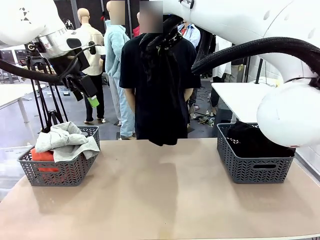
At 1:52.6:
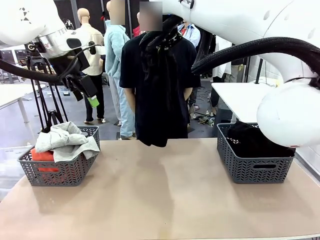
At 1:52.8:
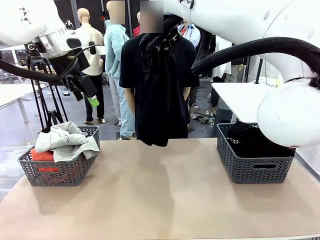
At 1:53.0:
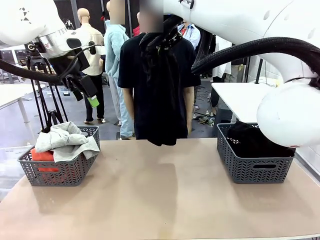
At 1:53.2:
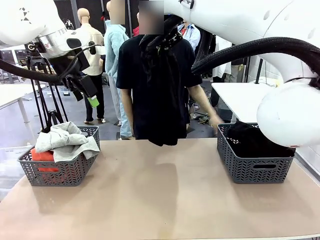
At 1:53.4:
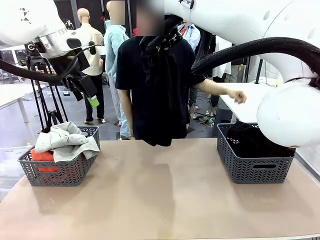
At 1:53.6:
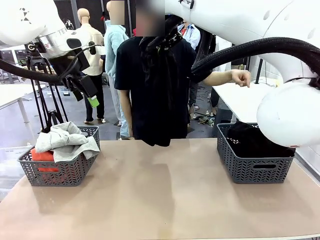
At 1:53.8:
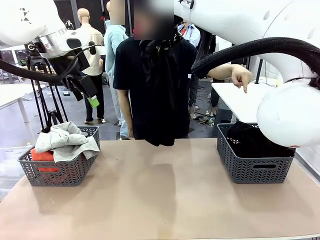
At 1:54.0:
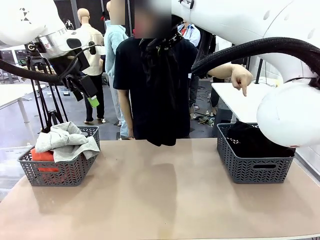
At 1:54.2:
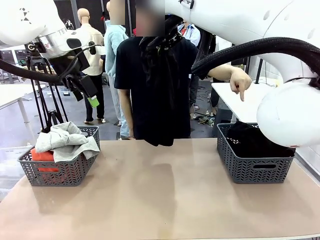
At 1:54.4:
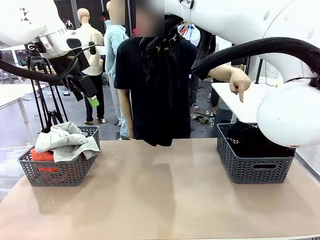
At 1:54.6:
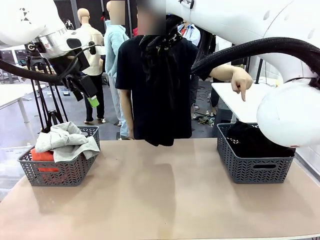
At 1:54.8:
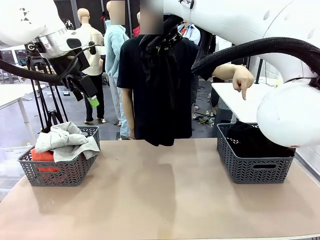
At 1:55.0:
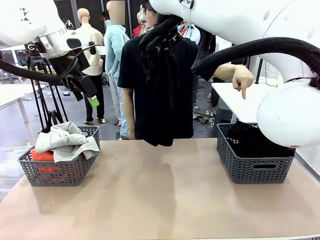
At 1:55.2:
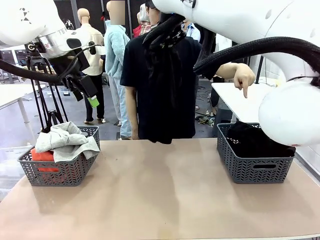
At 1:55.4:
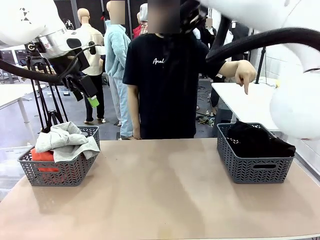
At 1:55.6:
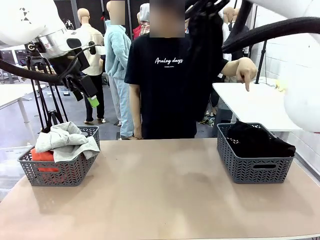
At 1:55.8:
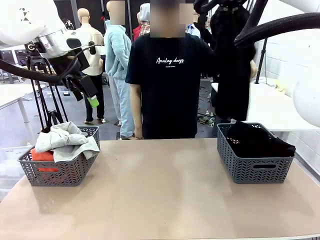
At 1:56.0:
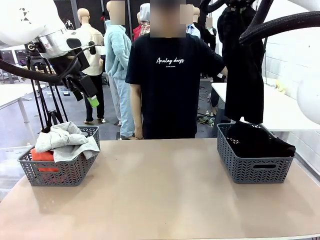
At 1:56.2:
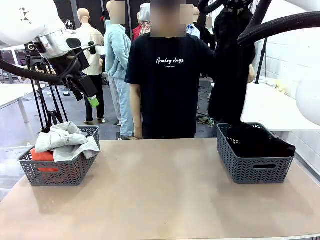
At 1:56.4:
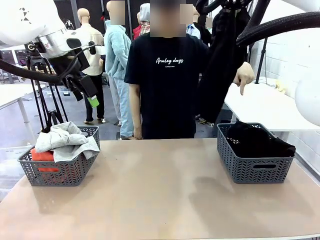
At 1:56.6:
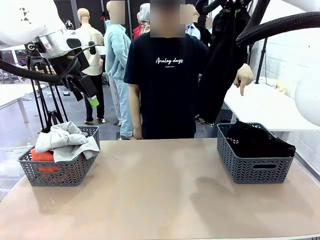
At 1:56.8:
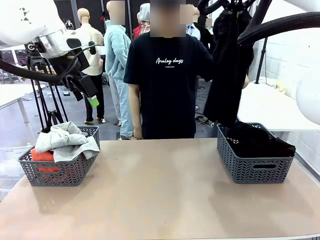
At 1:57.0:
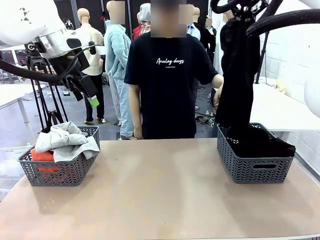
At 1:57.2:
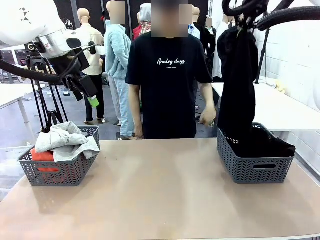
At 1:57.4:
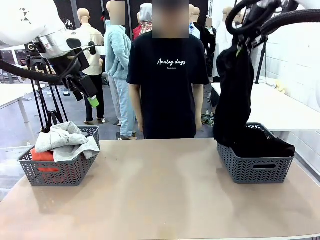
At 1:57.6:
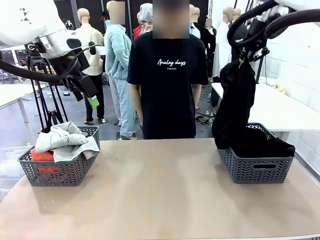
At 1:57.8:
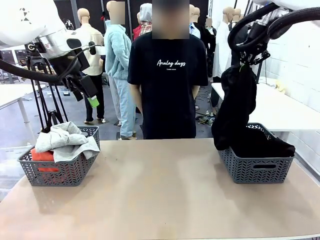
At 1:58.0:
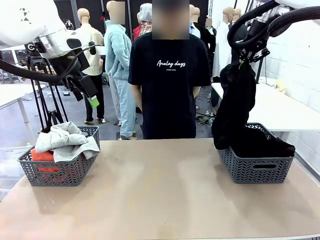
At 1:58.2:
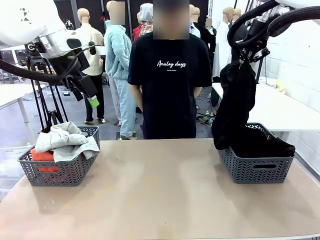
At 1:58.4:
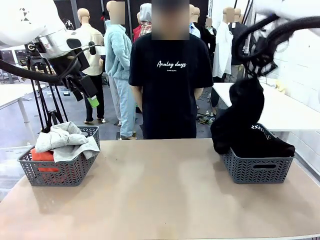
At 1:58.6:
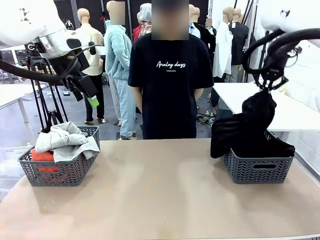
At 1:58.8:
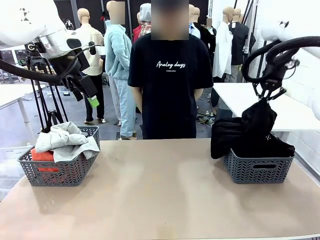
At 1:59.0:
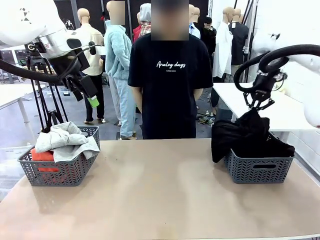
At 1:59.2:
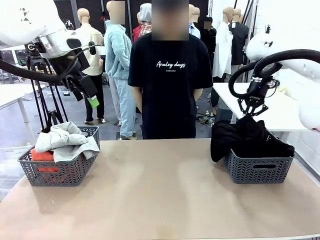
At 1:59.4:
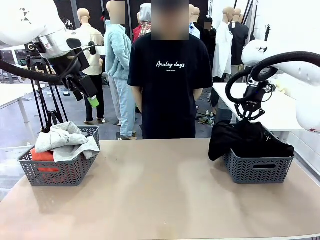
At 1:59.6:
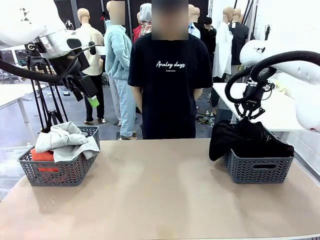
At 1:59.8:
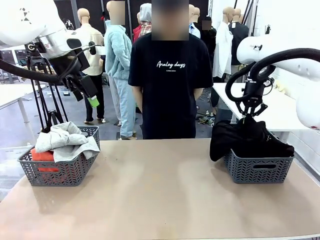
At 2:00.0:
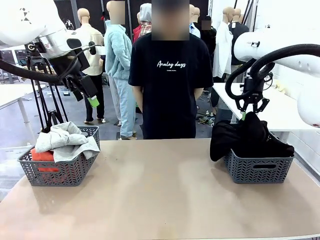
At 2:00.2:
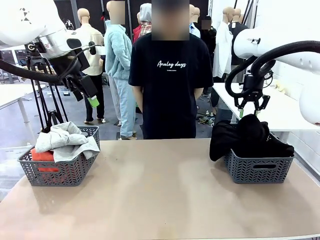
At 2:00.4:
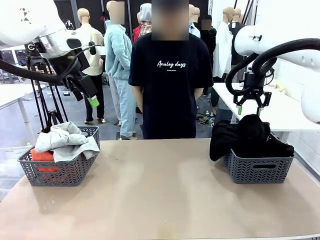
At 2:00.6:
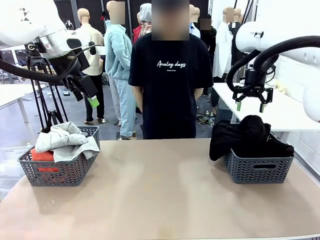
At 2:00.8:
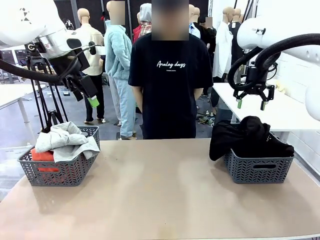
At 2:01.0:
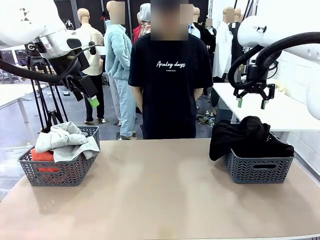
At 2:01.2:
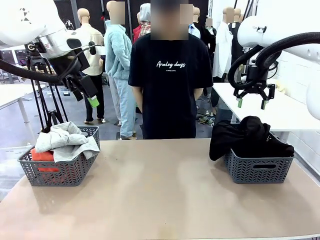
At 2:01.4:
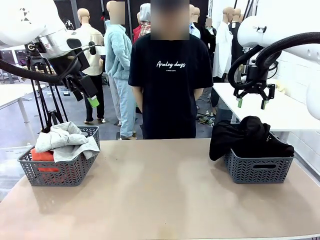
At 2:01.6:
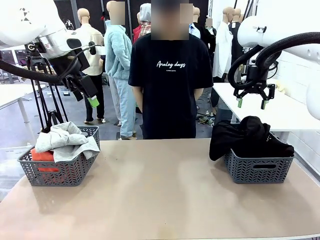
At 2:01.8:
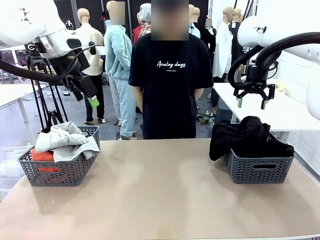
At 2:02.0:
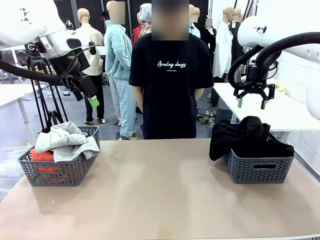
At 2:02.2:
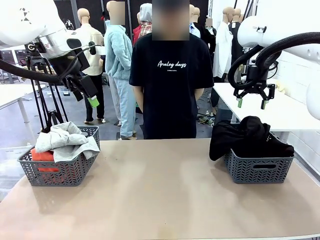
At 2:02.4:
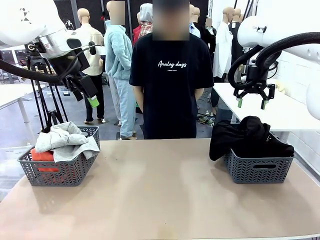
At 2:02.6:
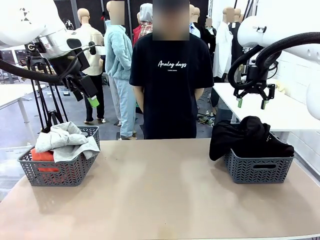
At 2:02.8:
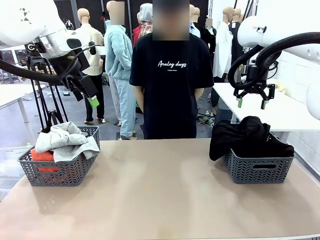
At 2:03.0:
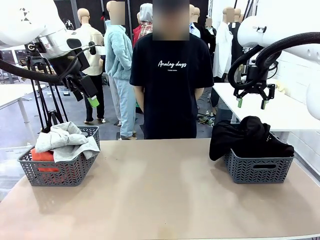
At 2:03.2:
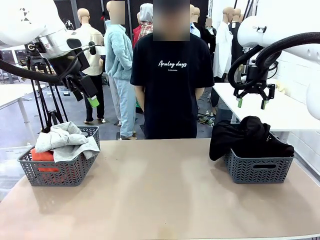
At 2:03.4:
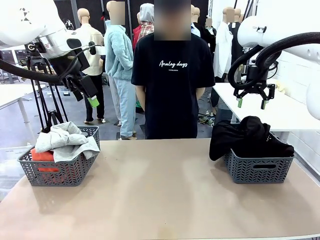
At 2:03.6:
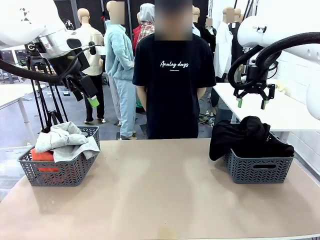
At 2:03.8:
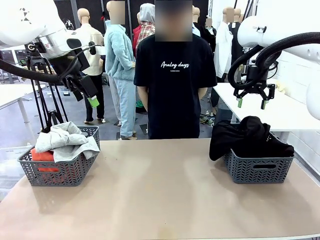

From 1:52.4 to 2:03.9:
Task: Sort the tops and bottoms.
Robot: Sort the clothes according to human instructions.

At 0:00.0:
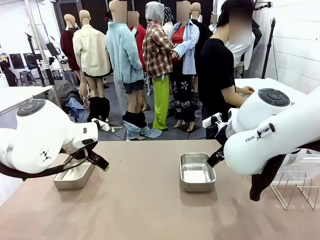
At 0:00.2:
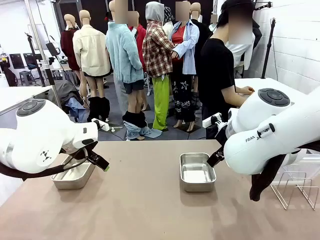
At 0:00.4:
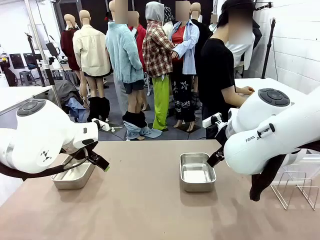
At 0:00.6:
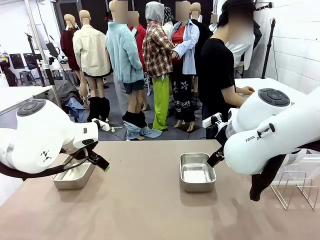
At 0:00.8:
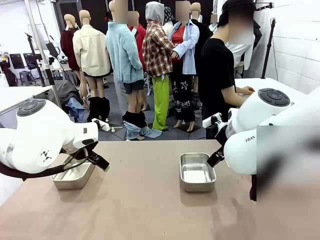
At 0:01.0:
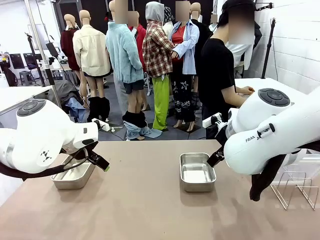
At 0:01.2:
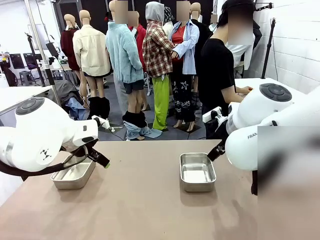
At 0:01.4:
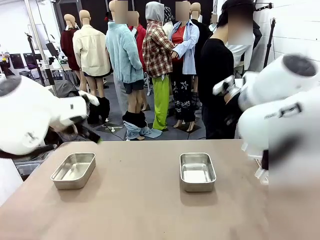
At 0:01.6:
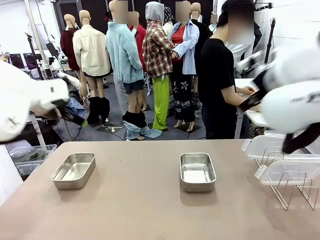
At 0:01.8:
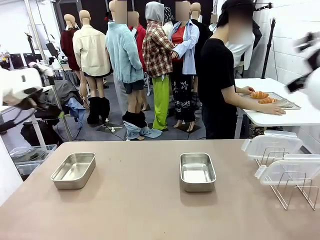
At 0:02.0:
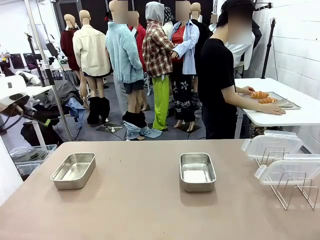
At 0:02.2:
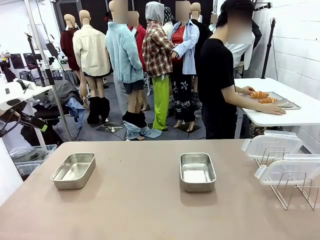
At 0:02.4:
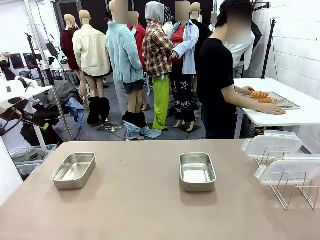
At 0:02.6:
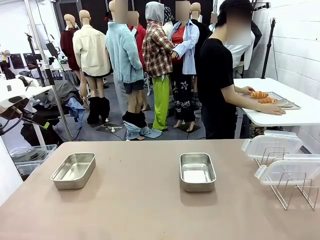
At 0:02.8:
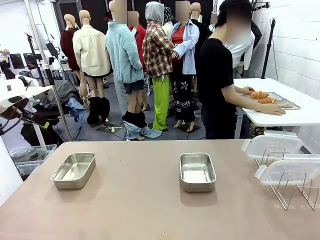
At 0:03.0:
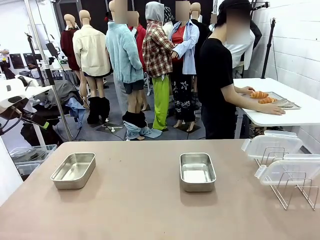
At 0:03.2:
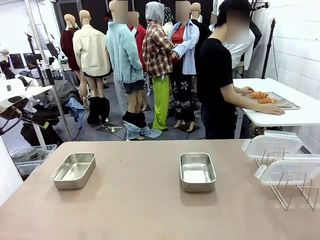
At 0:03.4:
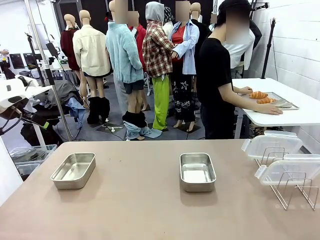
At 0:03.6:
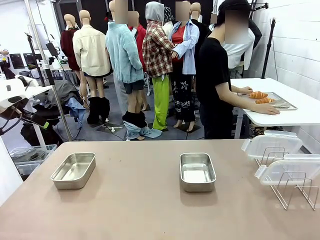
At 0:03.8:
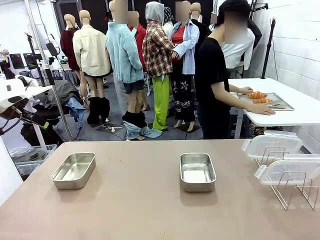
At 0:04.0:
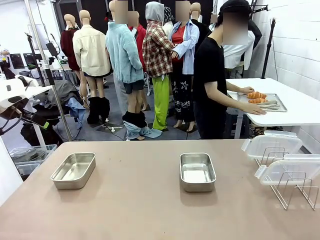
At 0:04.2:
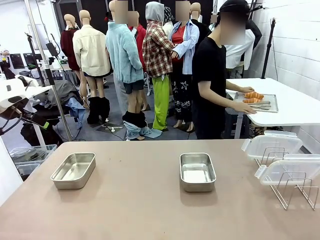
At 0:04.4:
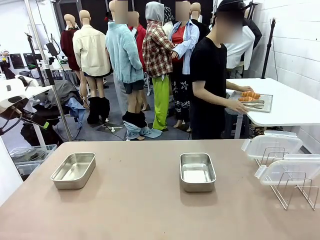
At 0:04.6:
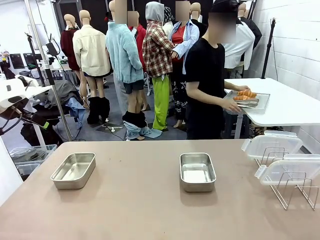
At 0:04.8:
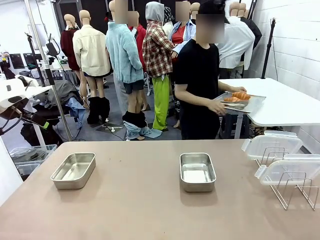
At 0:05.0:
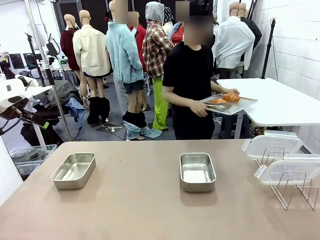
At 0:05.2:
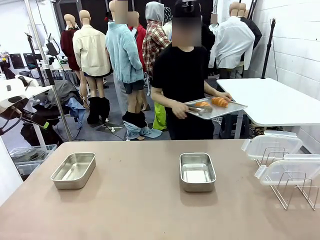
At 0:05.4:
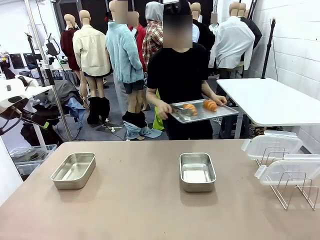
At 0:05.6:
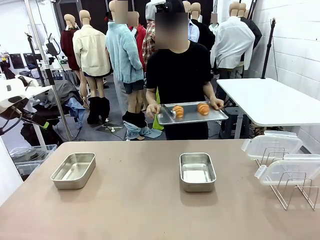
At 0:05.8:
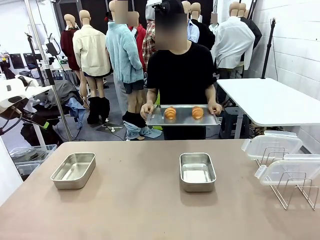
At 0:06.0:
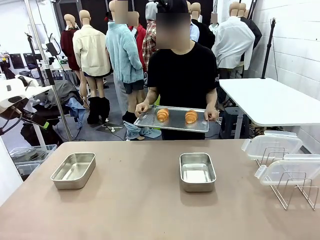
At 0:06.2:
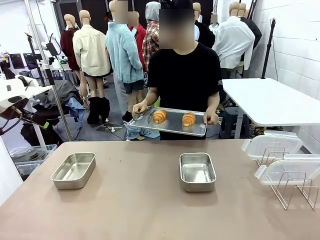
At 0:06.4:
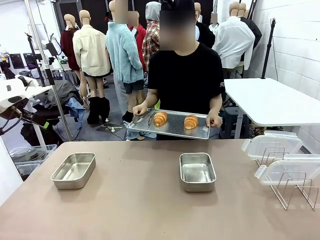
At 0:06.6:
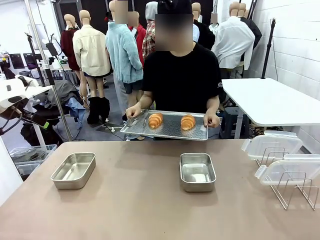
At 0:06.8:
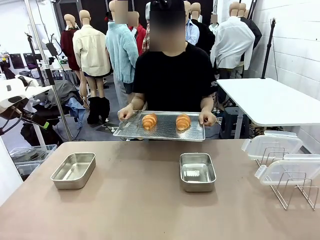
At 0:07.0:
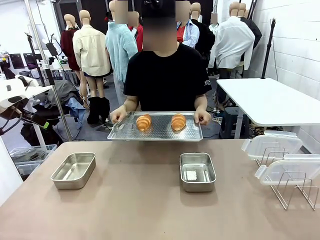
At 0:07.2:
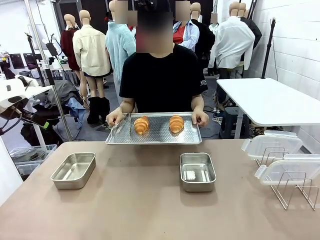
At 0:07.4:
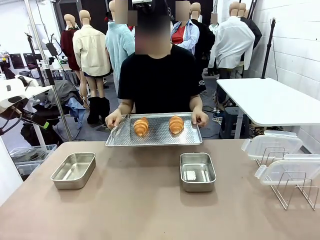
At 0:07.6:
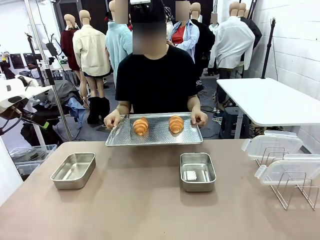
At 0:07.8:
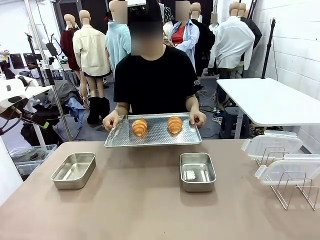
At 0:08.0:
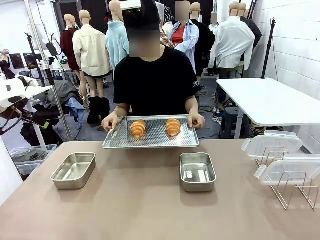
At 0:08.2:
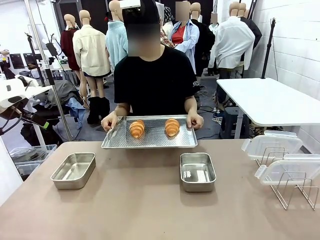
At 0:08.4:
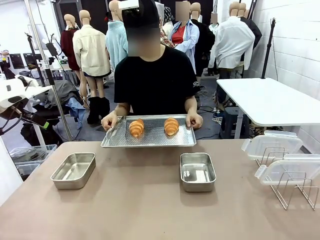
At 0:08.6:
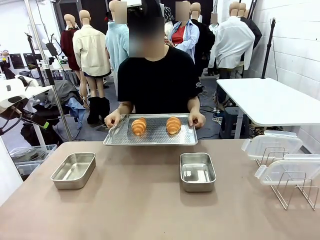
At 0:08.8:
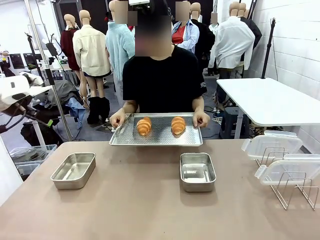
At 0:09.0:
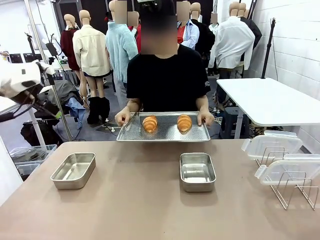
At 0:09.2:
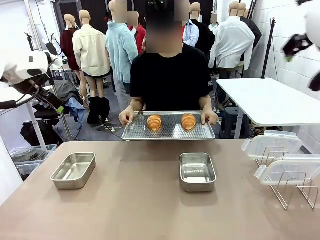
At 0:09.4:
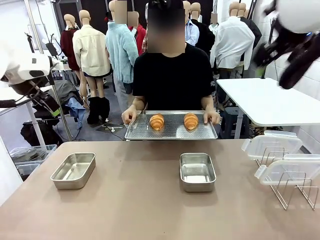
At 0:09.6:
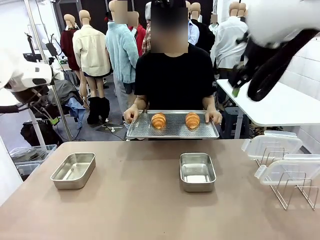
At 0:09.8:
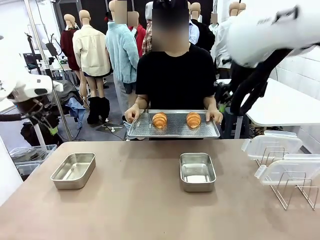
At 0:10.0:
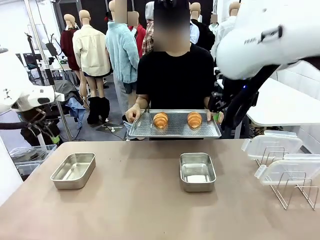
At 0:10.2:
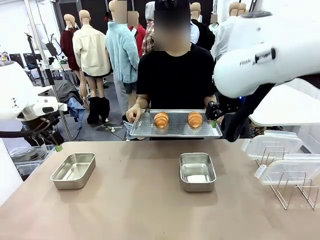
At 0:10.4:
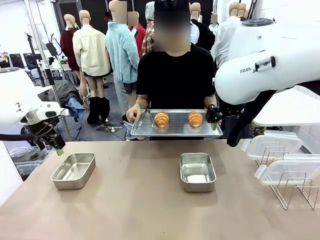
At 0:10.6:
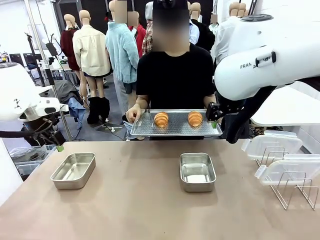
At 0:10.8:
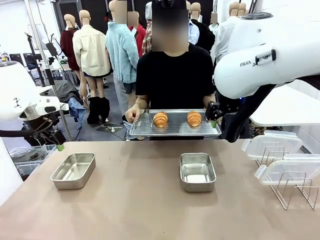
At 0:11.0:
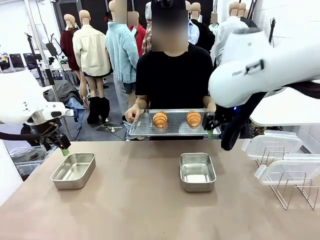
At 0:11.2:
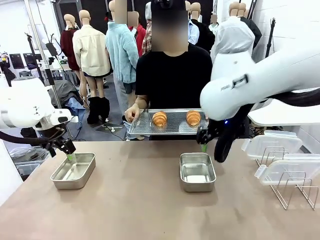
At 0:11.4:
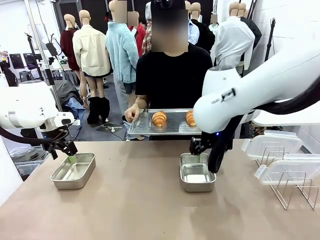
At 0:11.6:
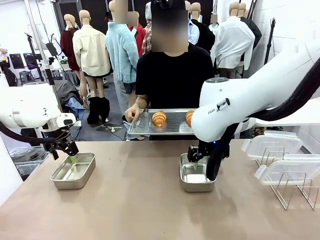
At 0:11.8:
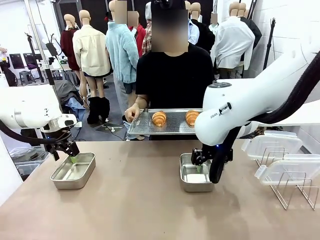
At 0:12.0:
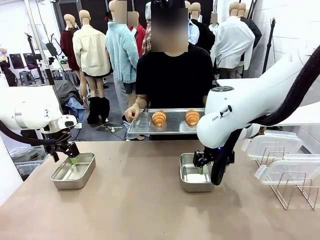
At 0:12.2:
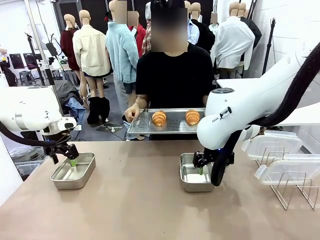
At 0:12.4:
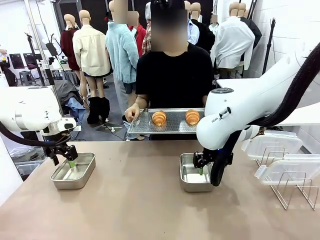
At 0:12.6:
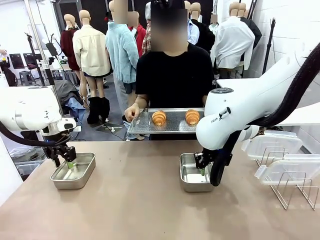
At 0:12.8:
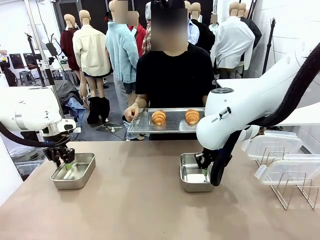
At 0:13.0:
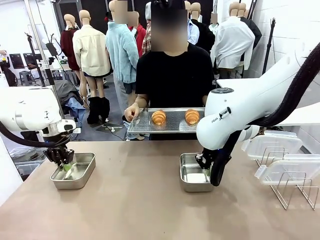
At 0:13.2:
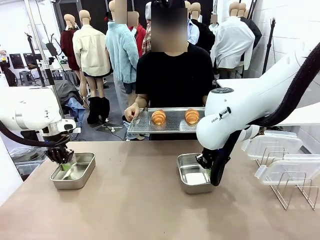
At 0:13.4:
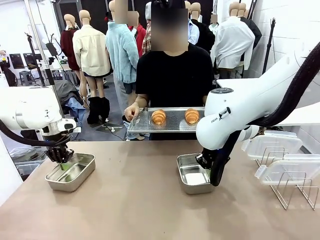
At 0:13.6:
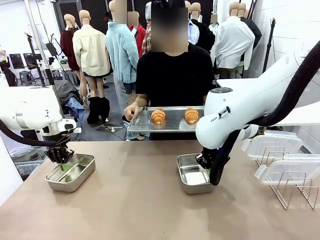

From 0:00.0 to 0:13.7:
Task: Place the bread in airtight containers.
Robot: Lift both Airtight Container.
Person: Bring the Baking Sheet in front of Robot's Table.
